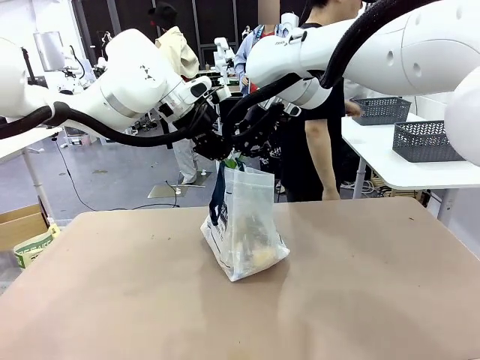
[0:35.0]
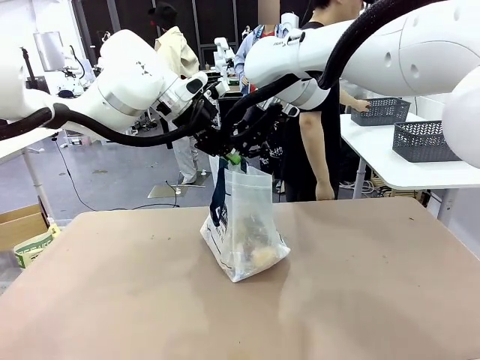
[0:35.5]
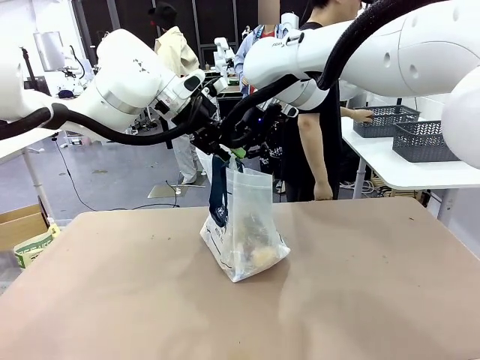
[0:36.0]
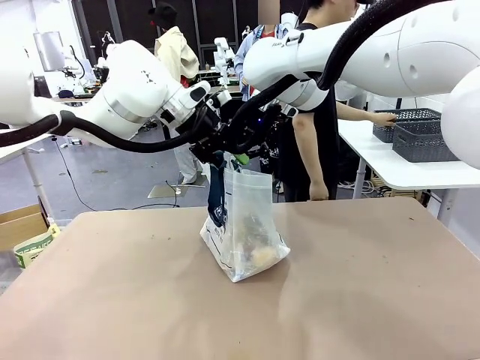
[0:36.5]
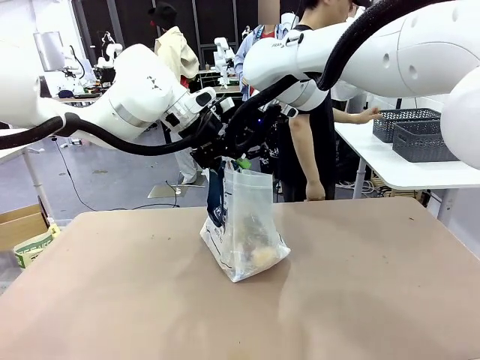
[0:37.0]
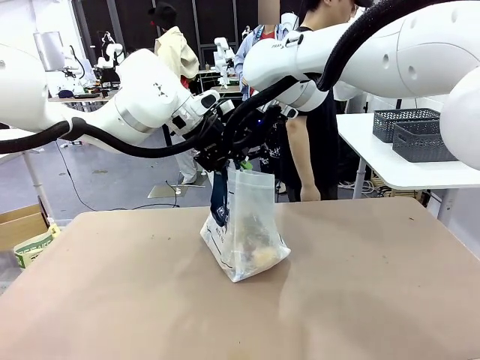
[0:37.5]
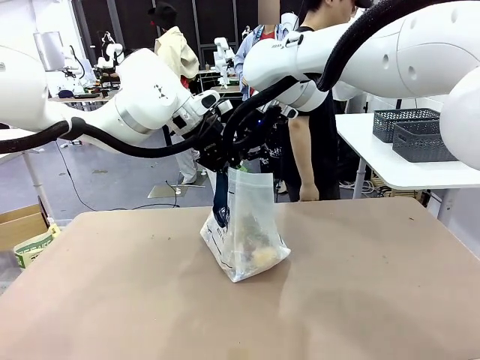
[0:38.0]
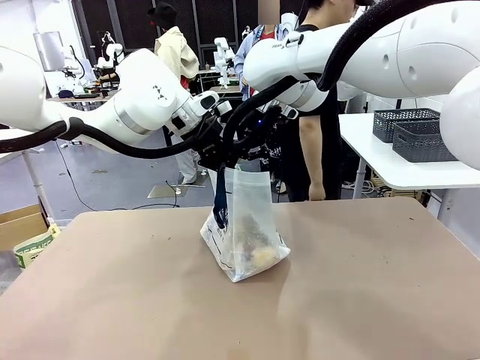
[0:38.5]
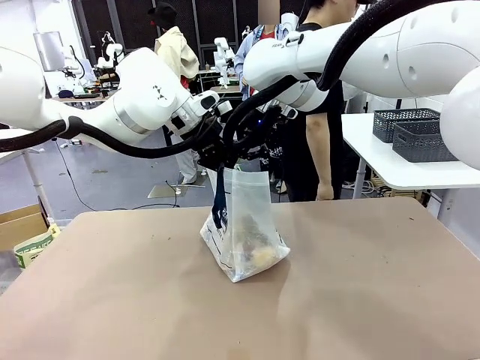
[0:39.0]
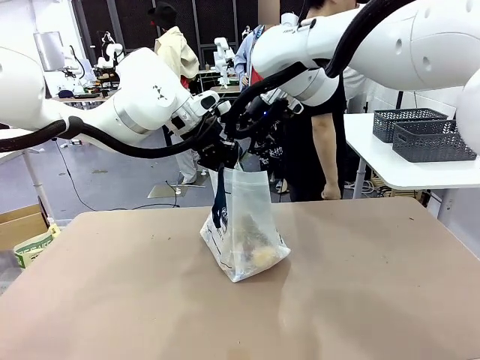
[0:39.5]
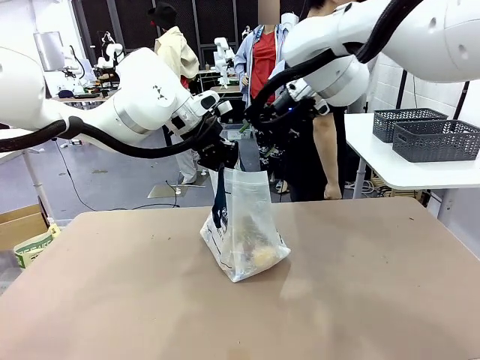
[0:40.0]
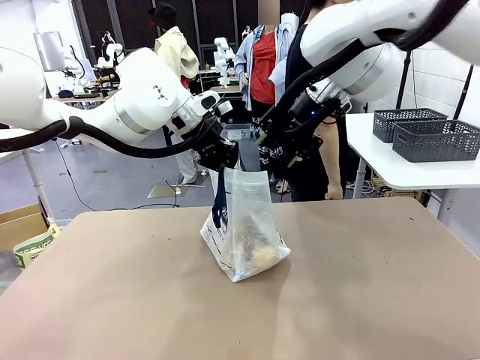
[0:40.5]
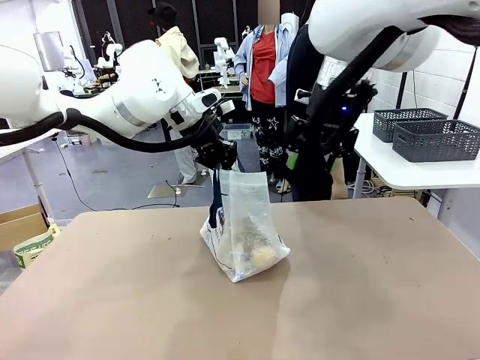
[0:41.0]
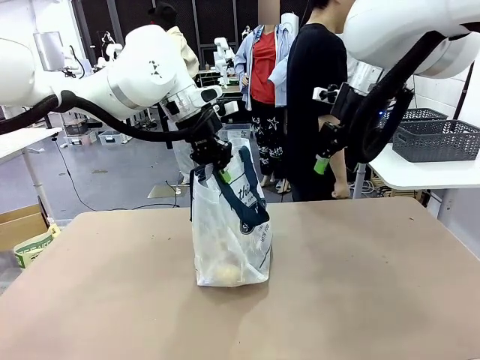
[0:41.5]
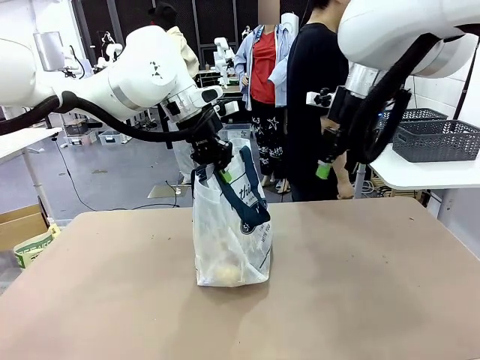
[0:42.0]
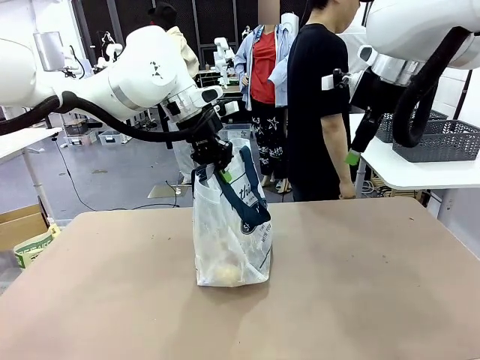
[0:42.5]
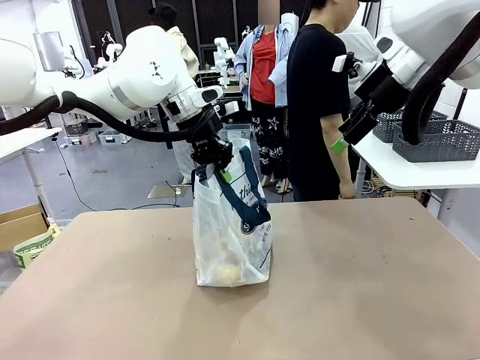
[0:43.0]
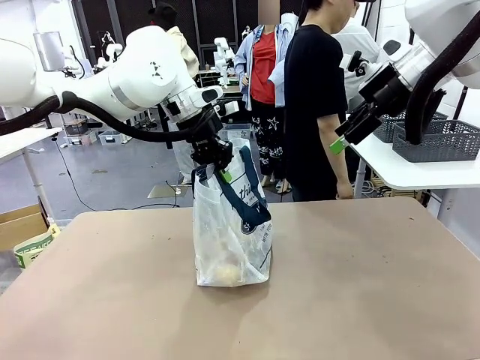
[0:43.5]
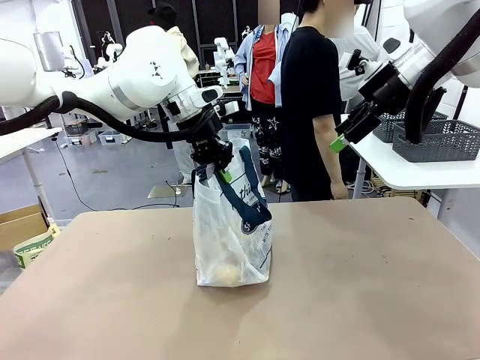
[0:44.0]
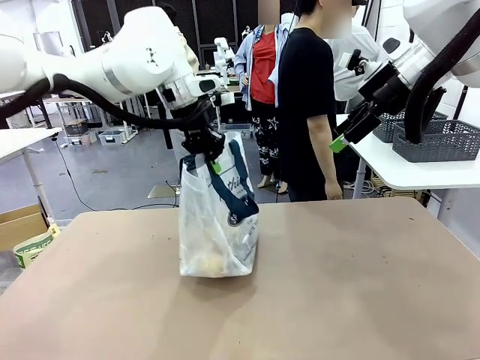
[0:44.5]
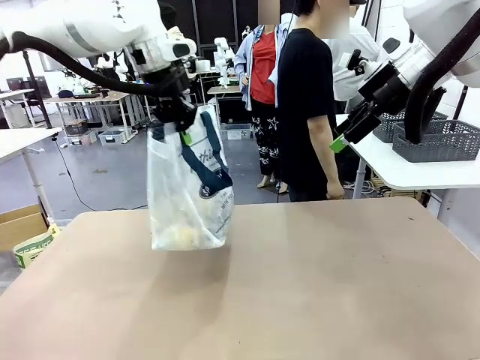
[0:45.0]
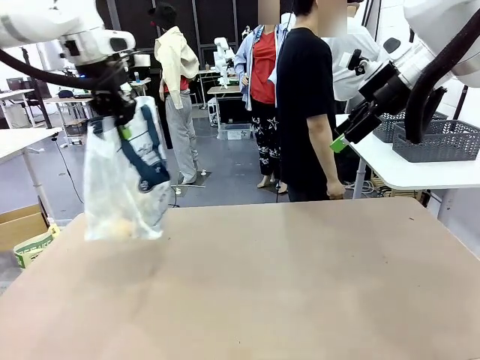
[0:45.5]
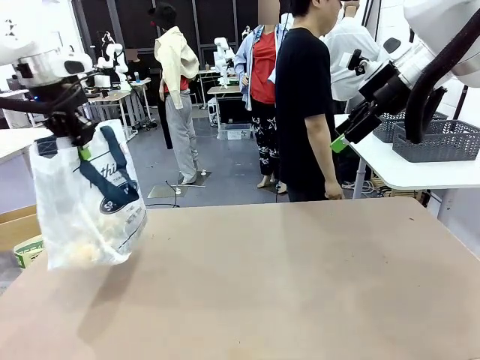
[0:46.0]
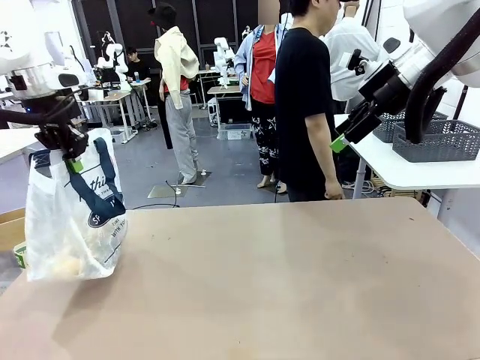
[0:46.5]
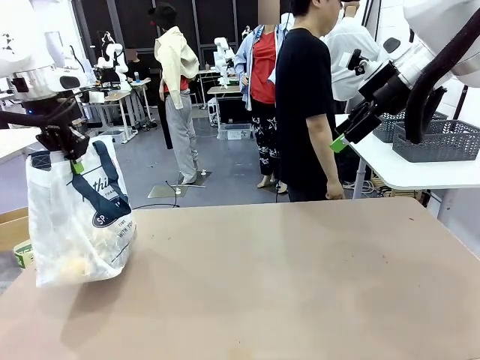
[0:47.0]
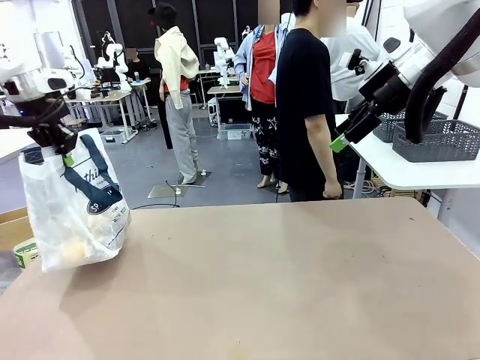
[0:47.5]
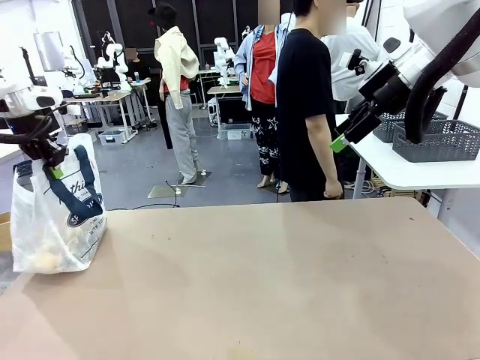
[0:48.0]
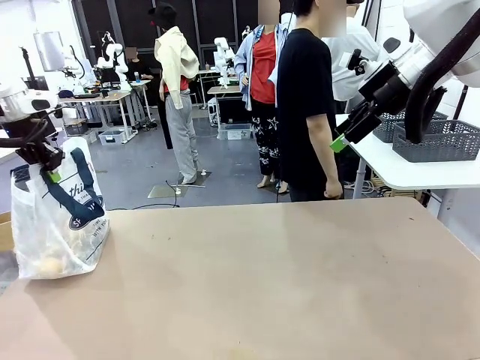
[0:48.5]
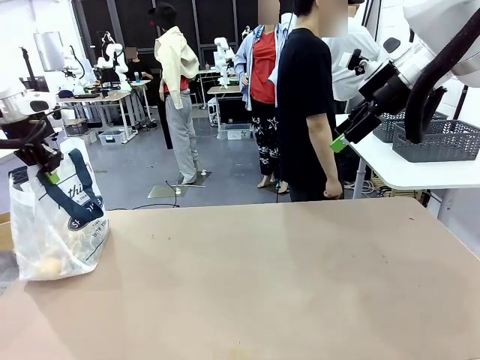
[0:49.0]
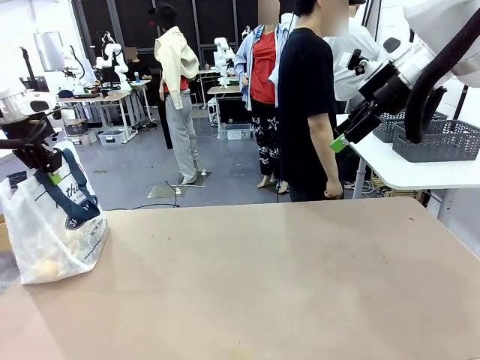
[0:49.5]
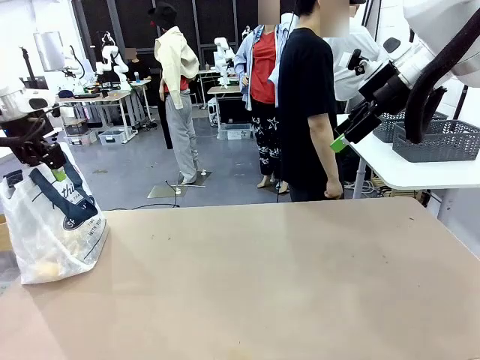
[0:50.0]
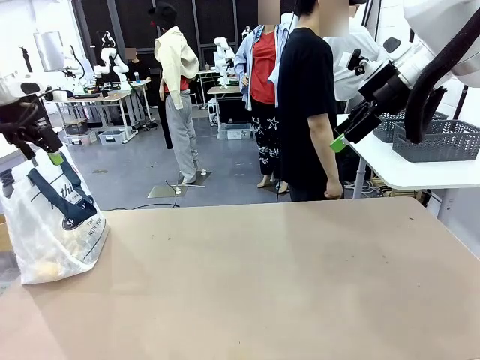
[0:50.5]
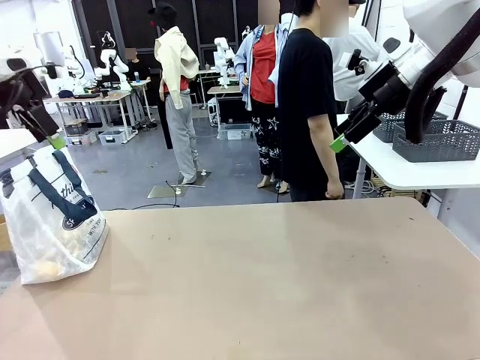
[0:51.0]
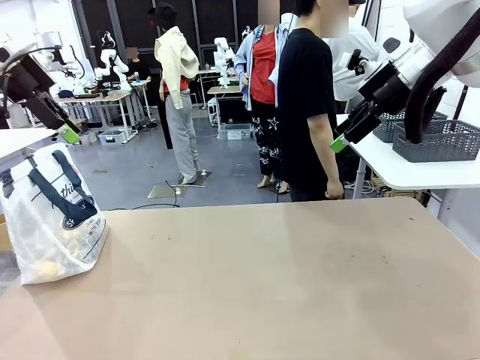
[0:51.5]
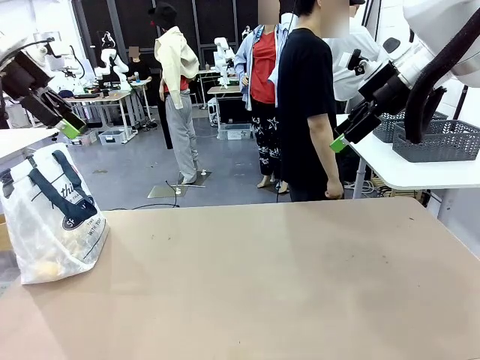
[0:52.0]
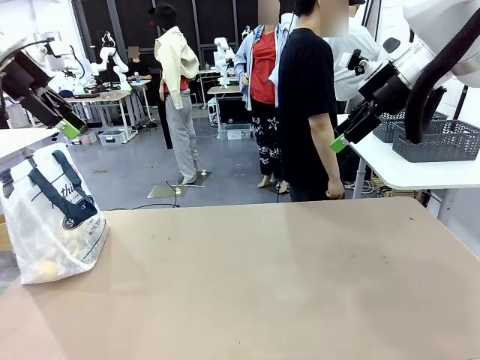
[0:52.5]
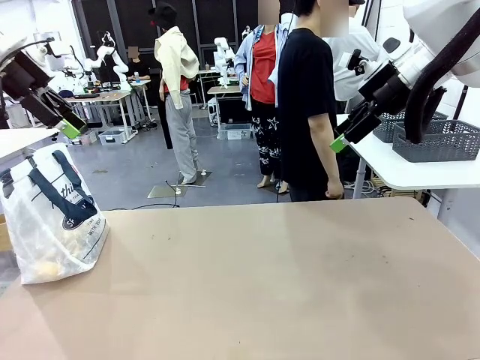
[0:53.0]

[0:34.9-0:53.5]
Task: Transfer purchased items from the store into the shopping bag.
Robot: Move the Reusable shopping bag to the right side of the table.
Person: Move the basket on the left to the middle of the person's table.
